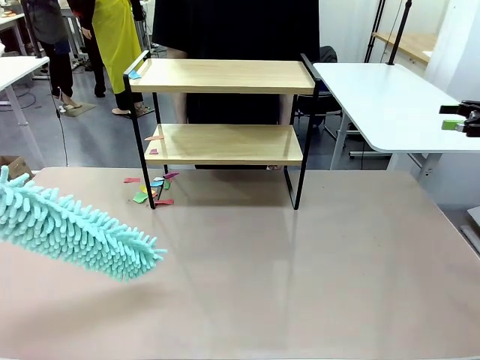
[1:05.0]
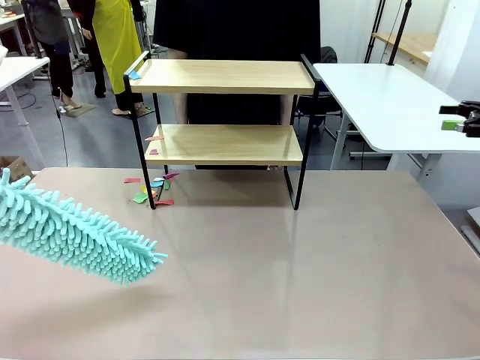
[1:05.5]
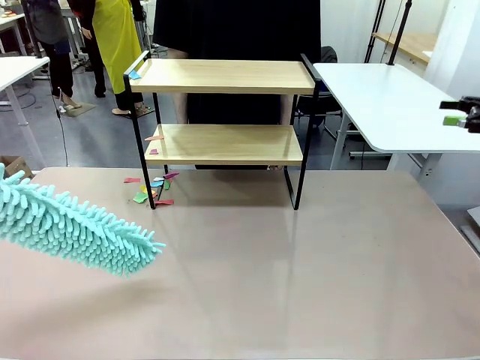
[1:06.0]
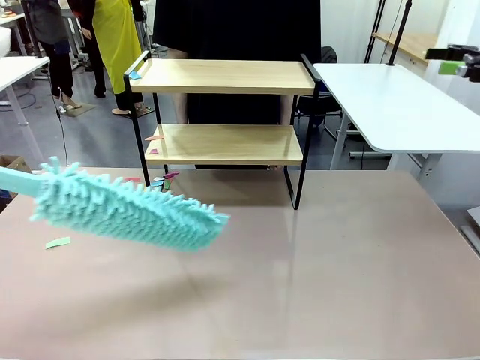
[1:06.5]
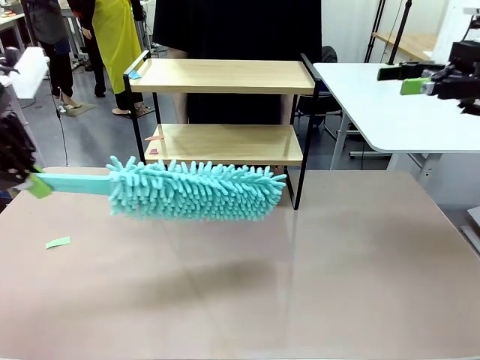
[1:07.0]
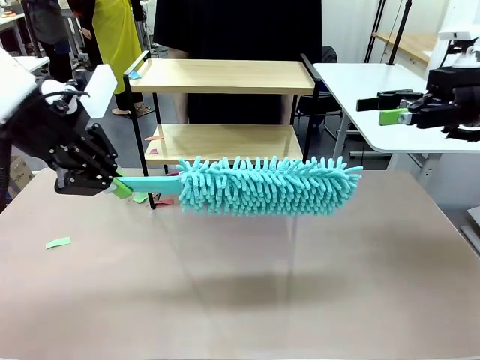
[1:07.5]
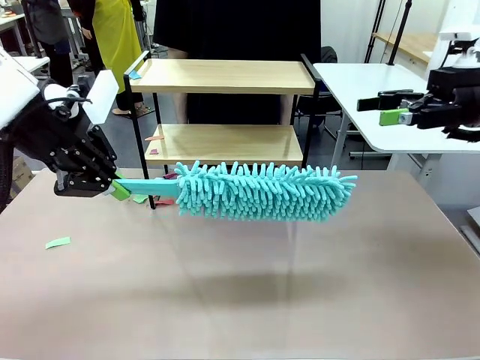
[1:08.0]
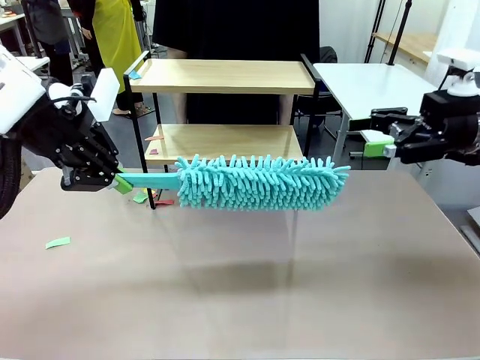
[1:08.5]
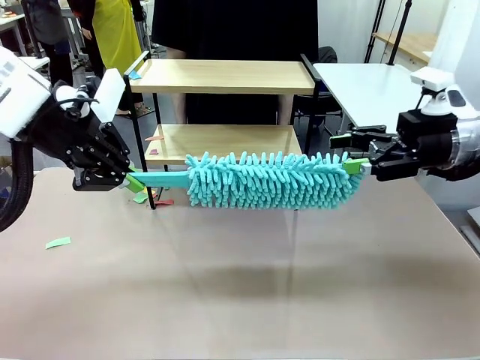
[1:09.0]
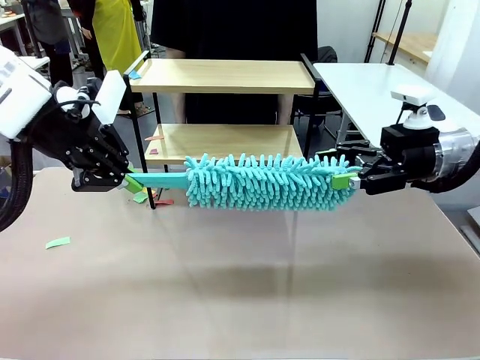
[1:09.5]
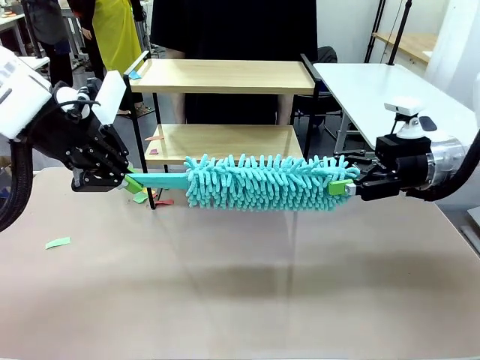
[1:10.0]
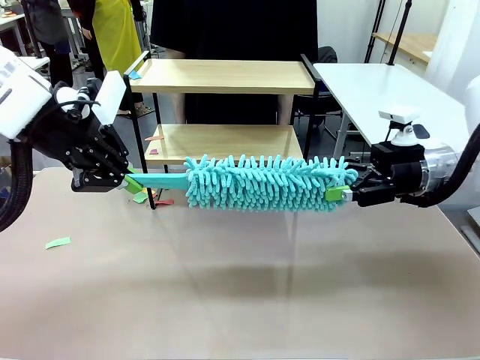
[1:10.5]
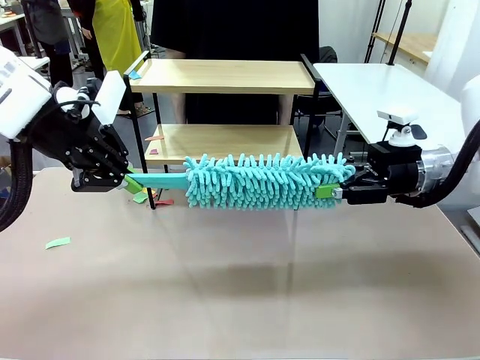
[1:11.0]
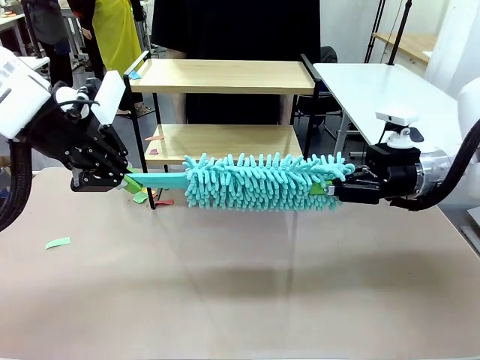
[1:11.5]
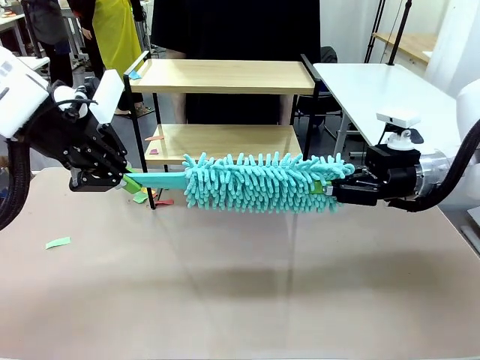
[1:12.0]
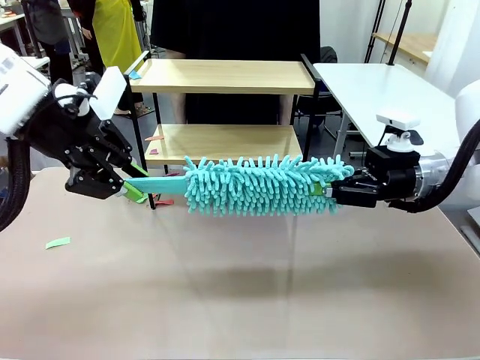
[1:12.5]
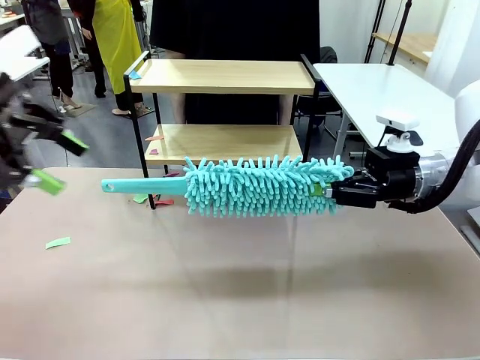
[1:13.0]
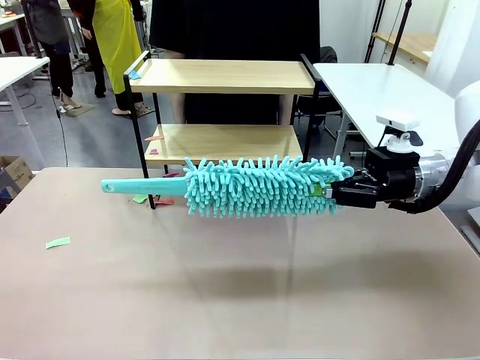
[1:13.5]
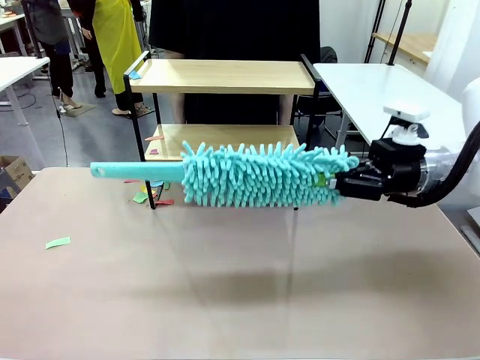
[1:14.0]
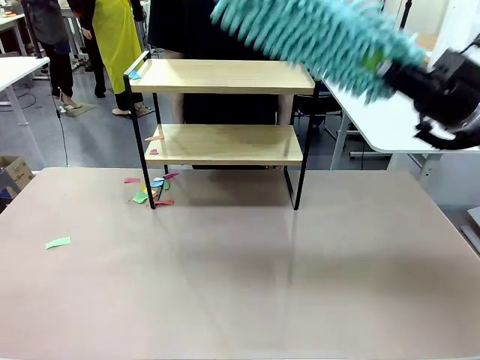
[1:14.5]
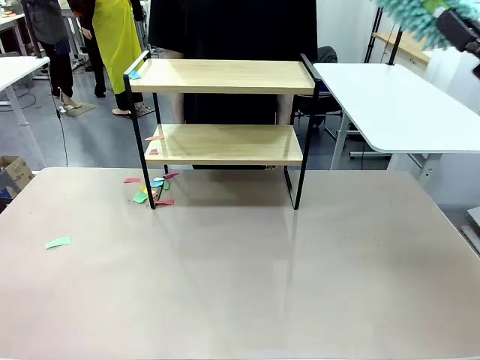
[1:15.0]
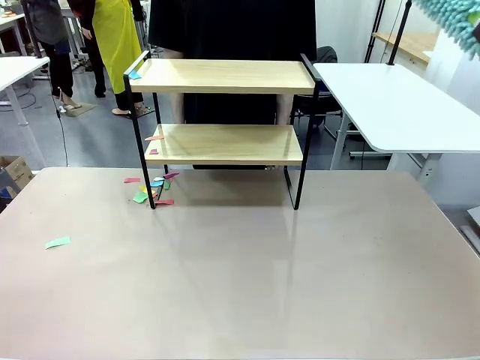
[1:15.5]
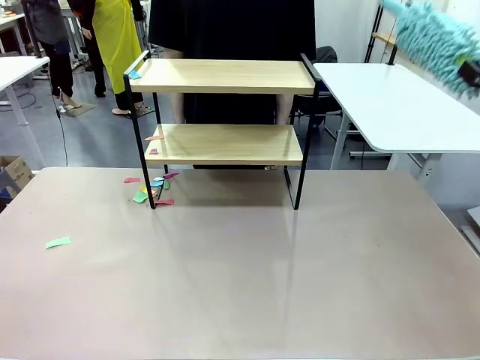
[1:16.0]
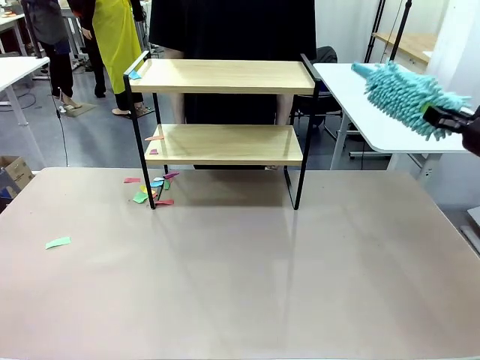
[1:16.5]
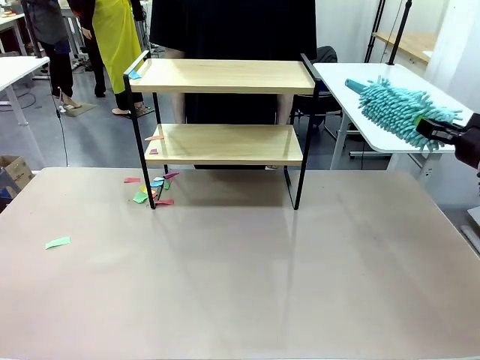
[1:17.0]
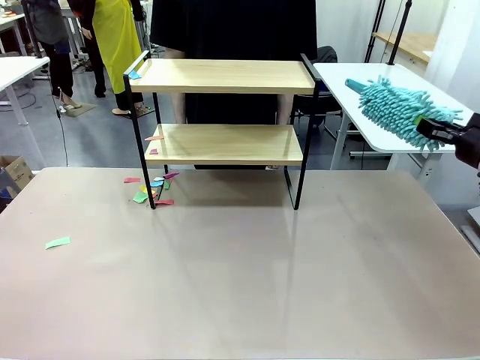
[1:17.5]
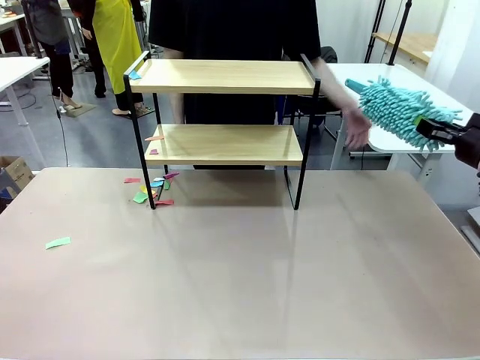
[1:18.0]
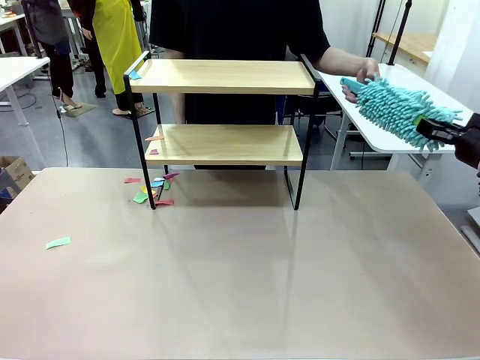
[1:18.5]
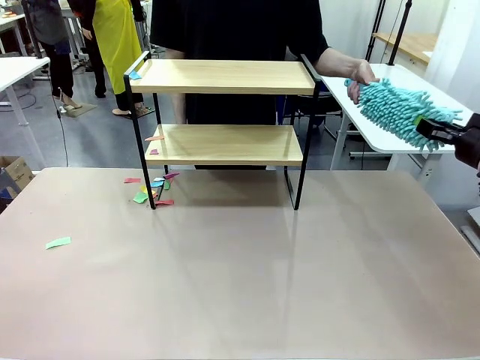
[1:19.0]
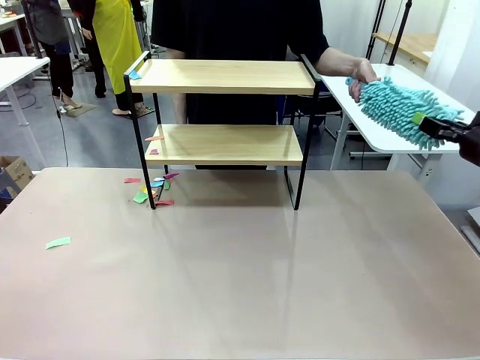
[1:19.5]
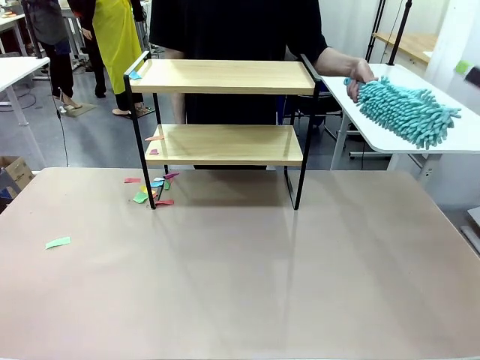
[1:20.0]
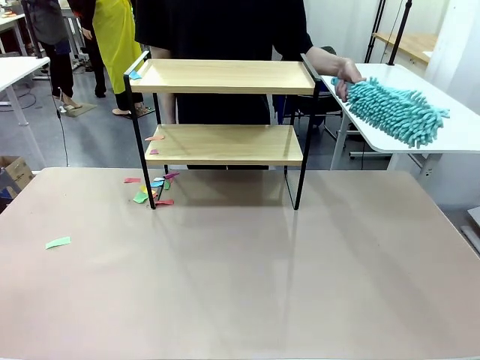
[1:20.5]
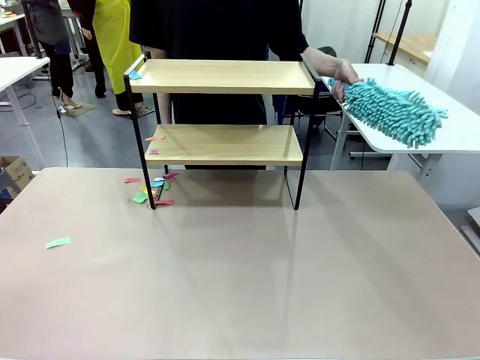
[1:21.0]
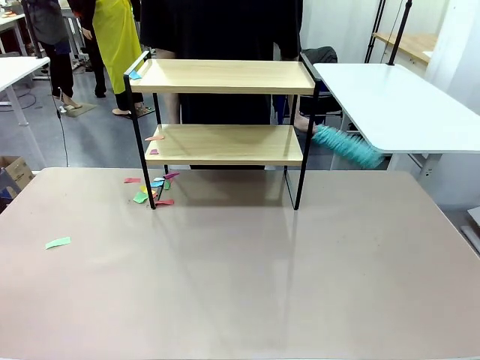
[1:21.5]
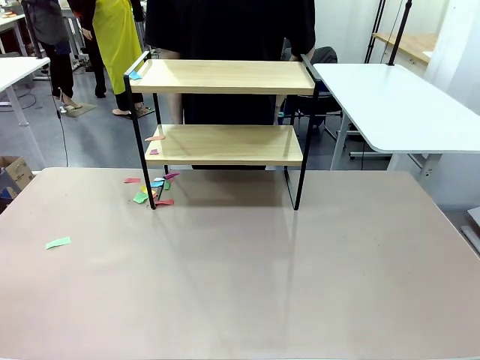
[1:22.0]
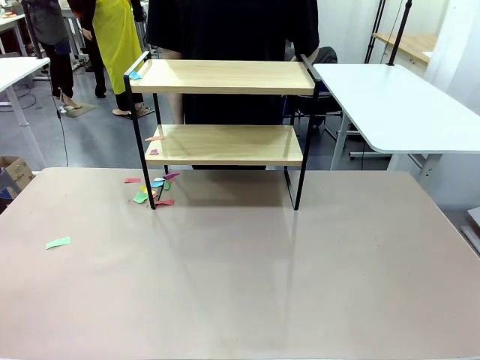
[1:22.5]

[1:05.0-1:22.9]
Task: Clean the shelf.
Robot: Hand the Duster back to the human.
Person: Receive the Duster from the robot.

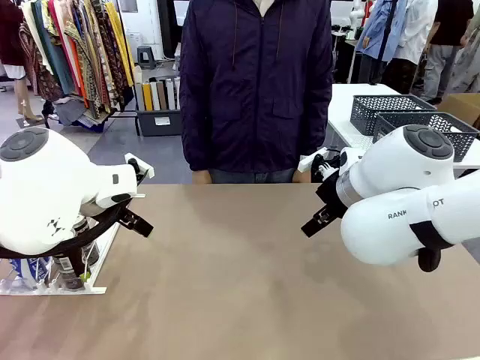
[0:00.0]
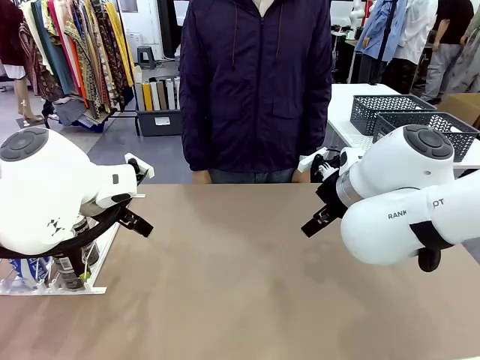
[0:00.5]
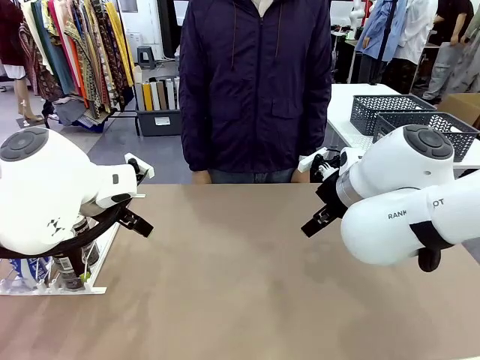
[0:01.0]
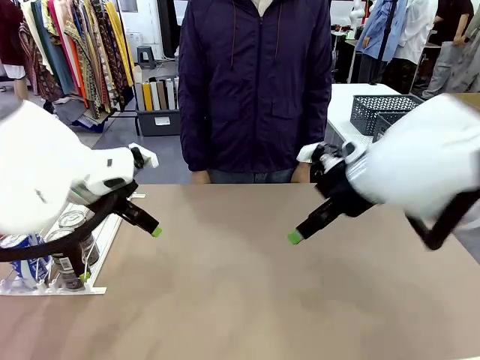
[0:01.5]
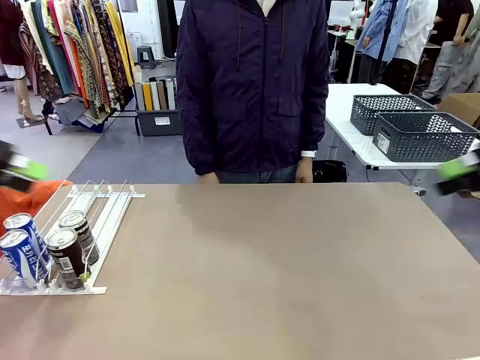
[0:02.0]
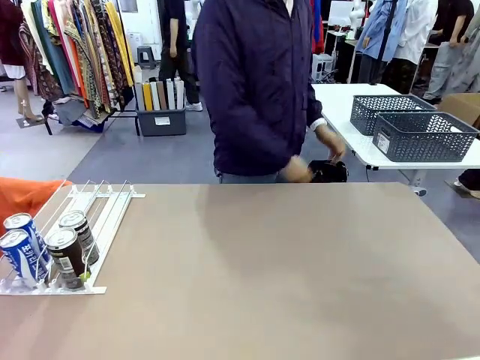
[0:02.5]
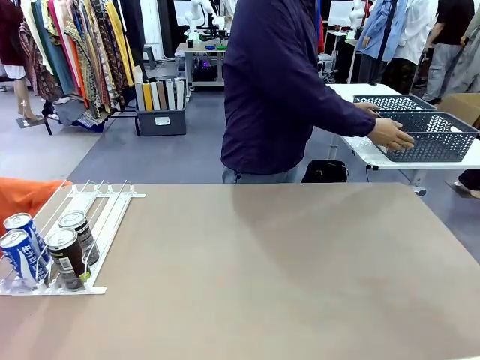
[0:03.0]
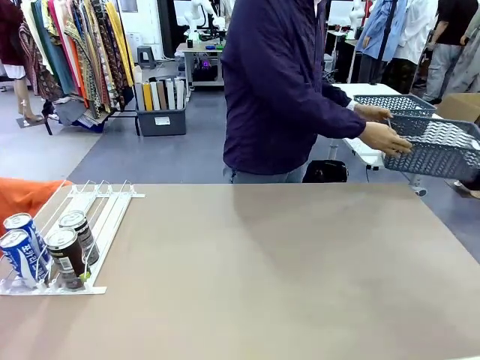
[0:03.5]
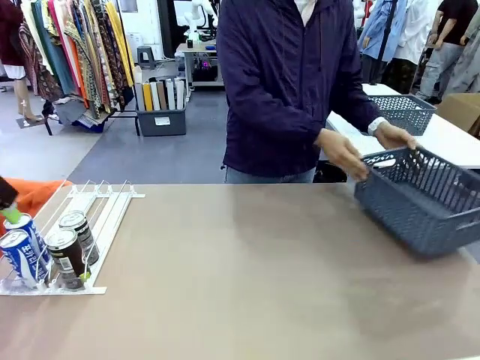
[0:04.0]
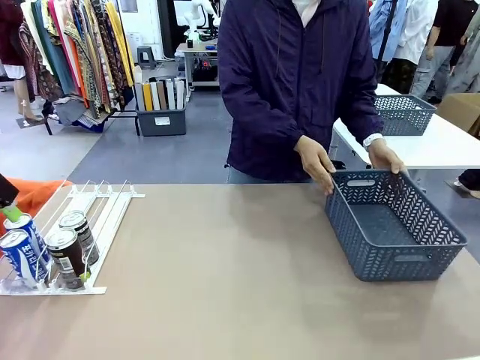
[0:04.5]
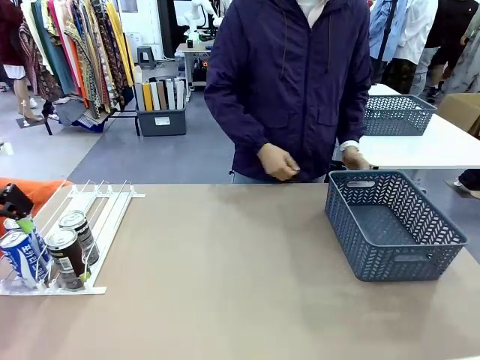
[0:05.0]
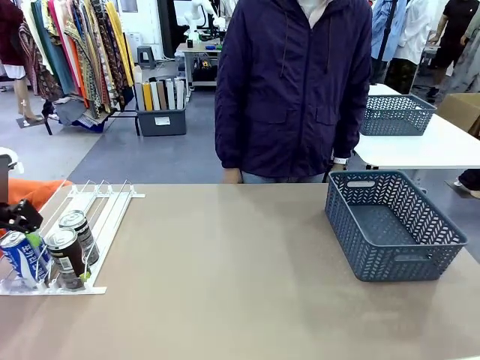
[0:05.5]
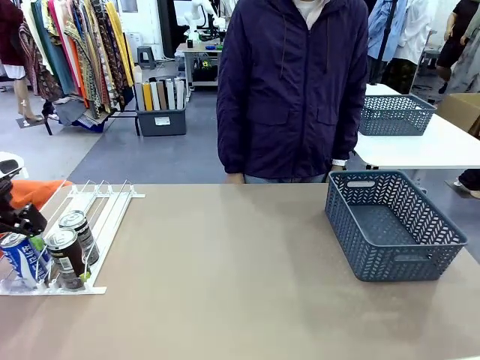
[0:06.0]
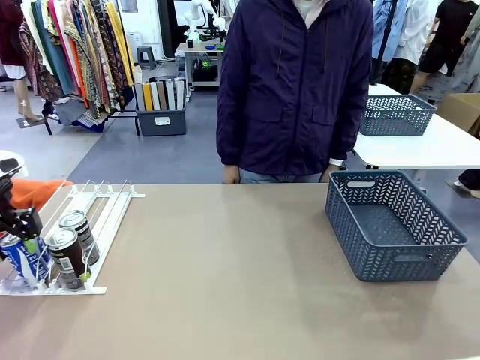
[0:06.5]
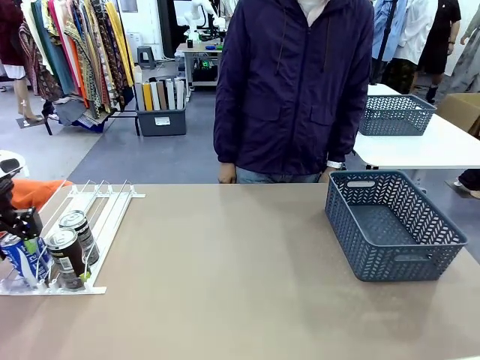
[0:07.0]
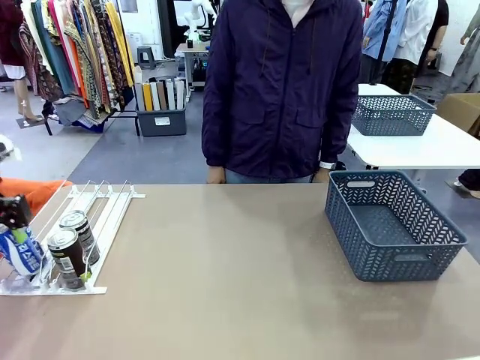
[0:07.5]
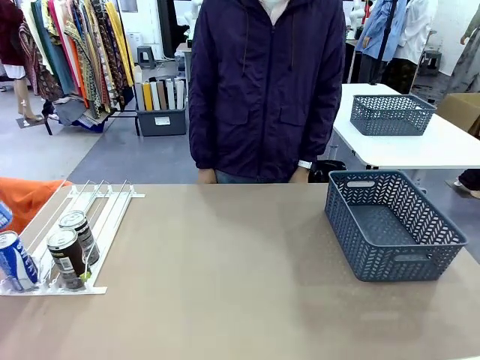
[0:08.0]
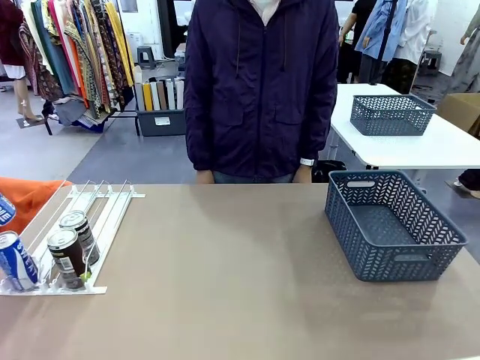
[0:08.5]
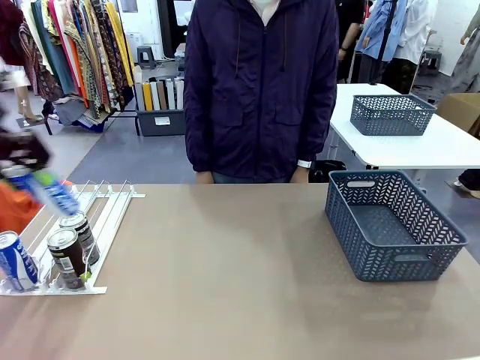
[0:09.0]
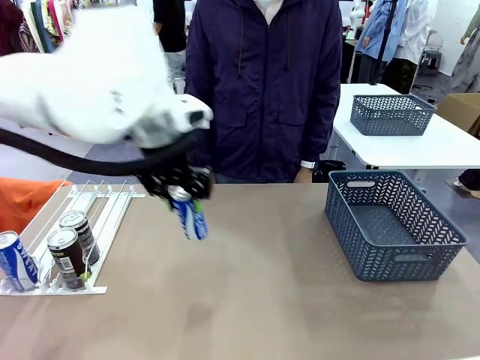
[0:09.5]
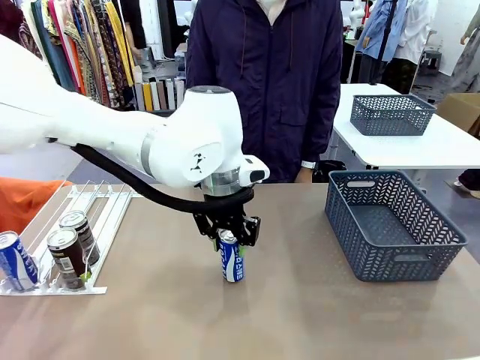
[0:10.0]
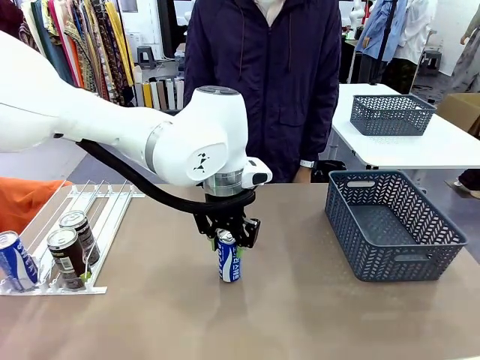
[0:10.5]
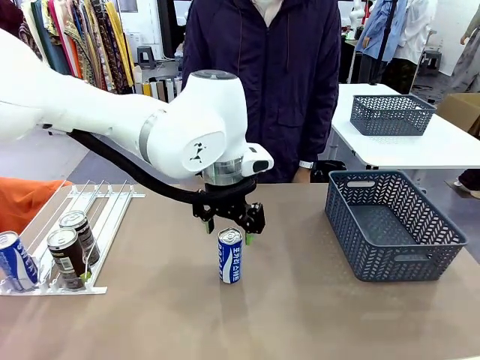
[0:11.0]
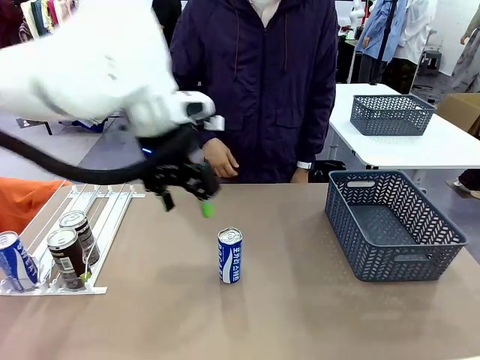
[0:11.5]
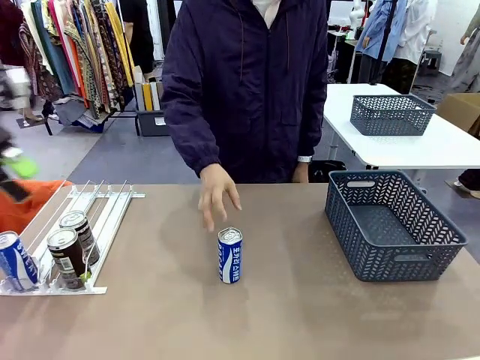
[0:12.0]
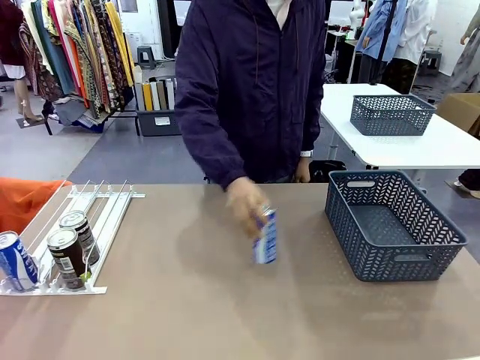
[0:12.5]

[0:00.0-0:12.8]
Task: Retrieve and store the cans from the dispenser.
Robot: Pick up one can from the Automatic Can Dispenser and place it in the middle of the table.
Person: Pick up the basket and place it on the left side of the robot table.
